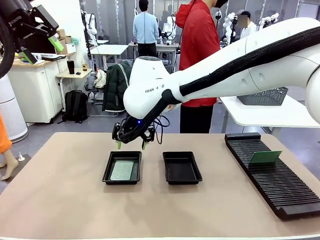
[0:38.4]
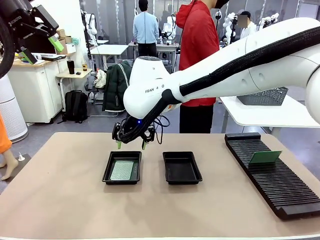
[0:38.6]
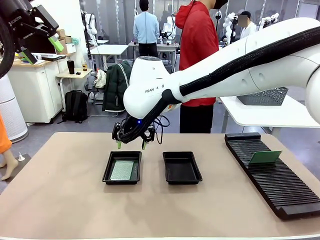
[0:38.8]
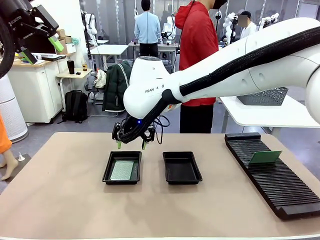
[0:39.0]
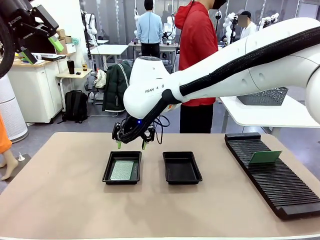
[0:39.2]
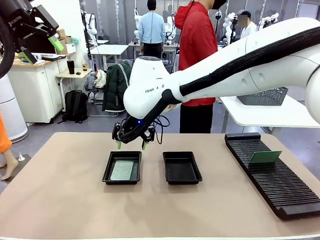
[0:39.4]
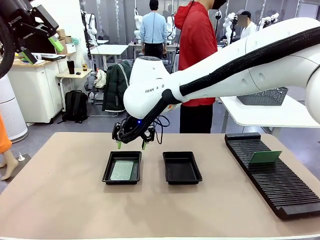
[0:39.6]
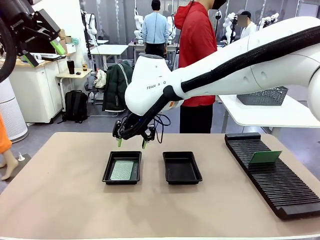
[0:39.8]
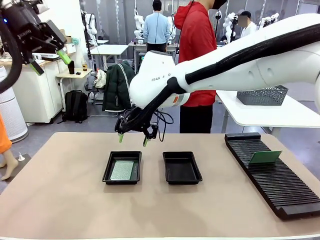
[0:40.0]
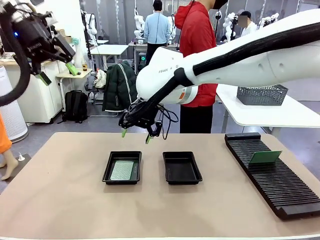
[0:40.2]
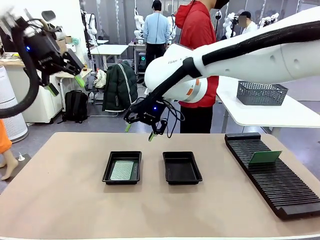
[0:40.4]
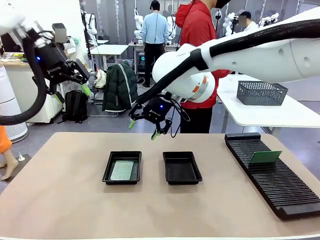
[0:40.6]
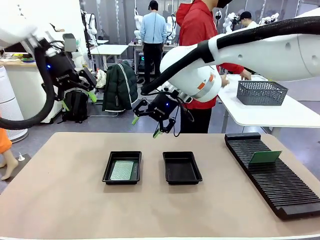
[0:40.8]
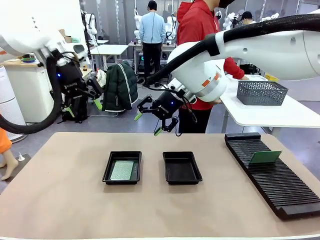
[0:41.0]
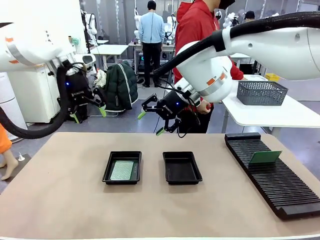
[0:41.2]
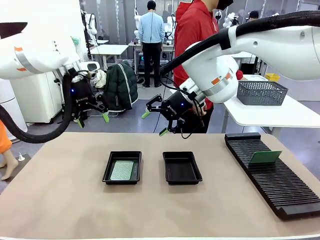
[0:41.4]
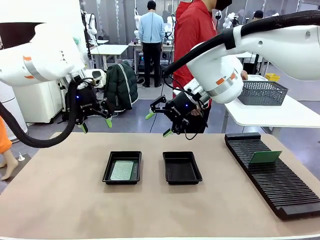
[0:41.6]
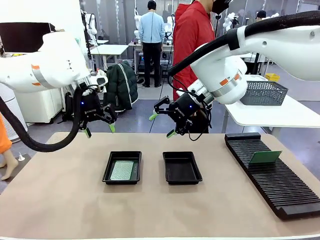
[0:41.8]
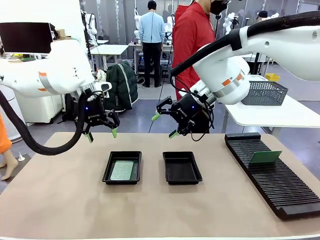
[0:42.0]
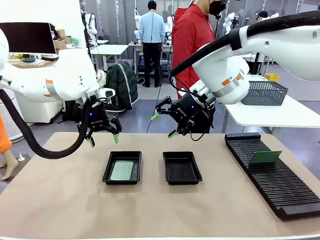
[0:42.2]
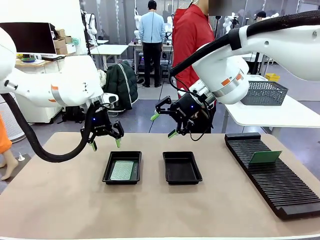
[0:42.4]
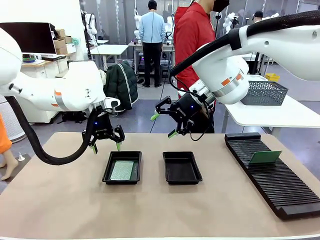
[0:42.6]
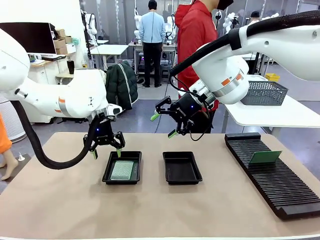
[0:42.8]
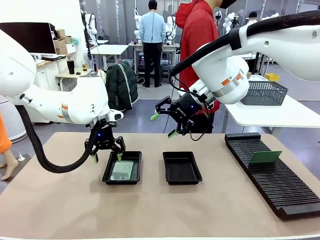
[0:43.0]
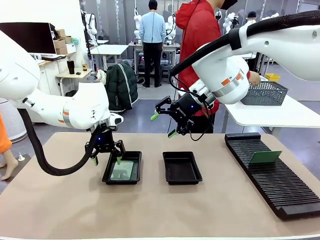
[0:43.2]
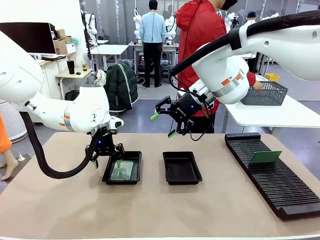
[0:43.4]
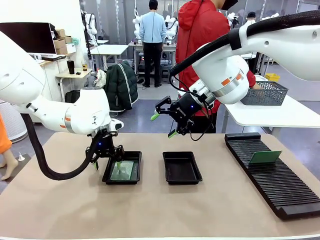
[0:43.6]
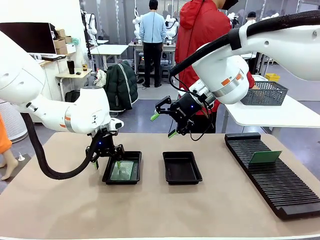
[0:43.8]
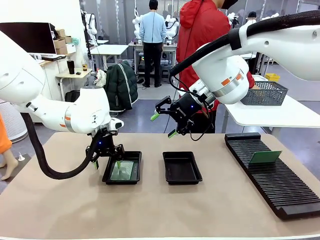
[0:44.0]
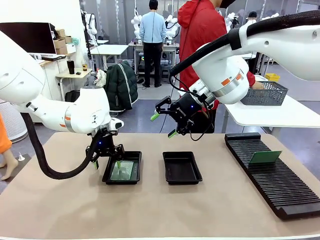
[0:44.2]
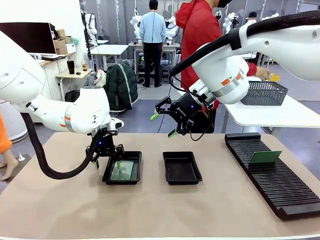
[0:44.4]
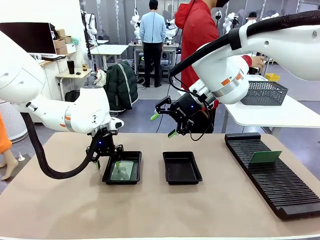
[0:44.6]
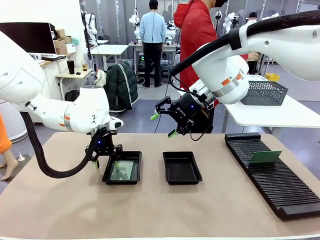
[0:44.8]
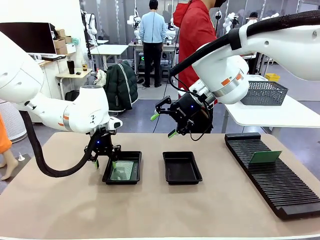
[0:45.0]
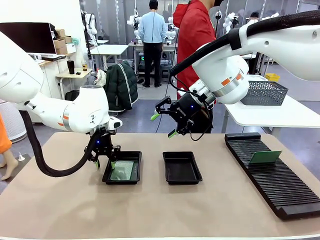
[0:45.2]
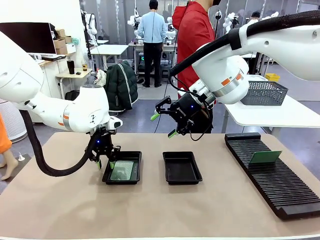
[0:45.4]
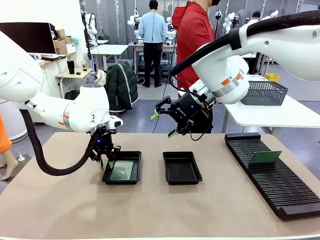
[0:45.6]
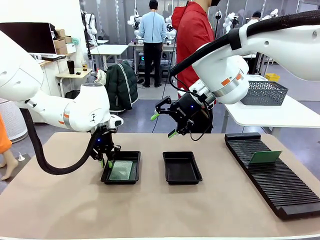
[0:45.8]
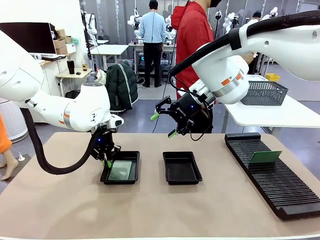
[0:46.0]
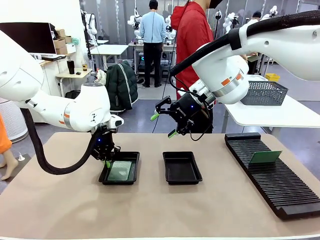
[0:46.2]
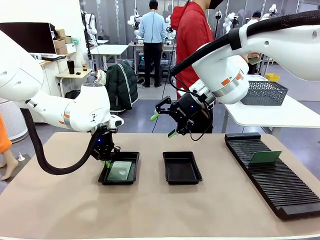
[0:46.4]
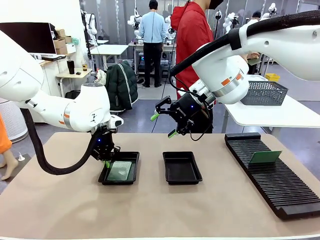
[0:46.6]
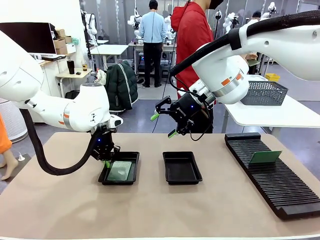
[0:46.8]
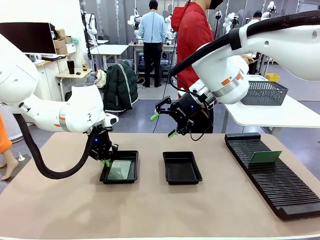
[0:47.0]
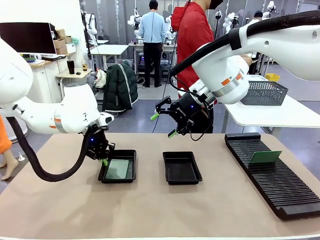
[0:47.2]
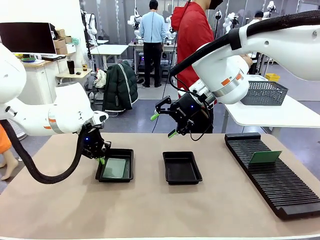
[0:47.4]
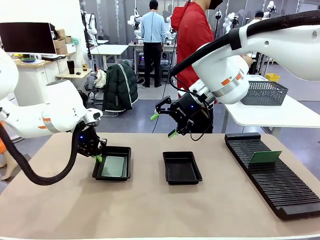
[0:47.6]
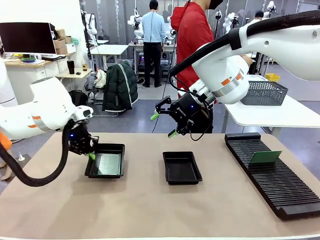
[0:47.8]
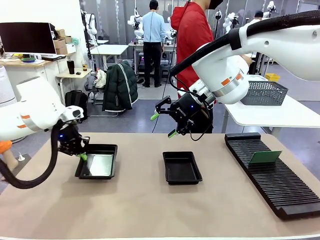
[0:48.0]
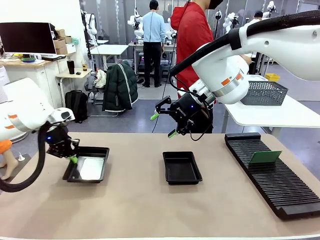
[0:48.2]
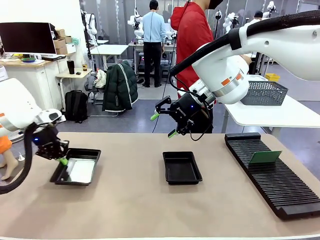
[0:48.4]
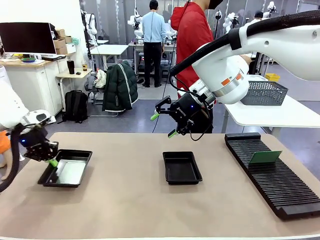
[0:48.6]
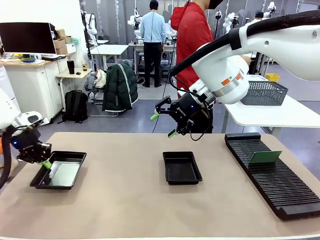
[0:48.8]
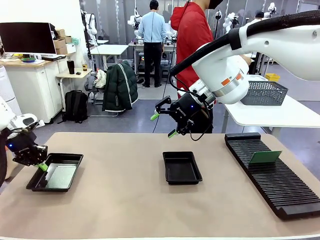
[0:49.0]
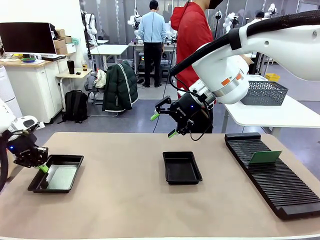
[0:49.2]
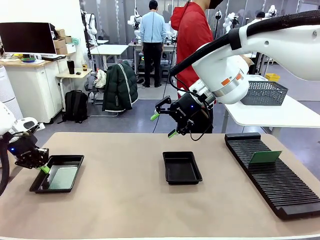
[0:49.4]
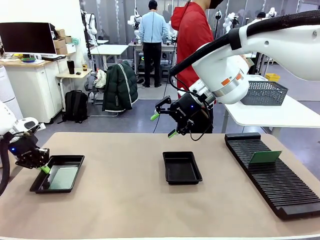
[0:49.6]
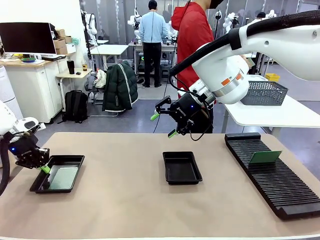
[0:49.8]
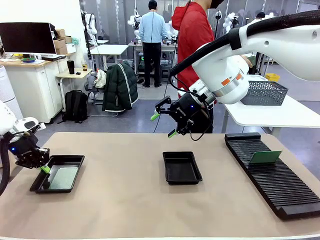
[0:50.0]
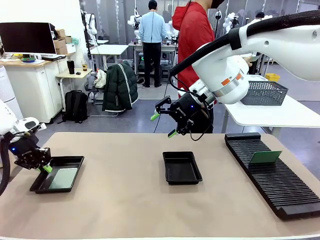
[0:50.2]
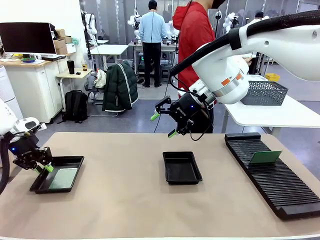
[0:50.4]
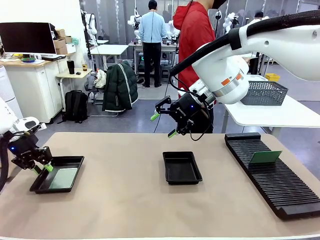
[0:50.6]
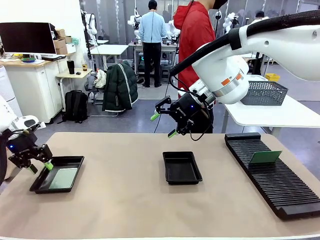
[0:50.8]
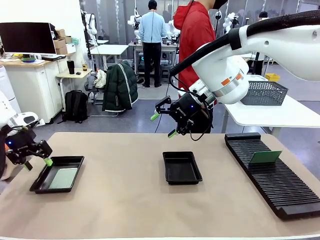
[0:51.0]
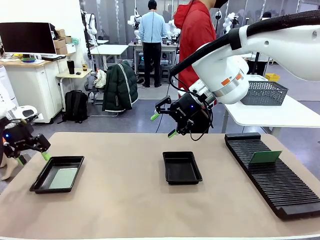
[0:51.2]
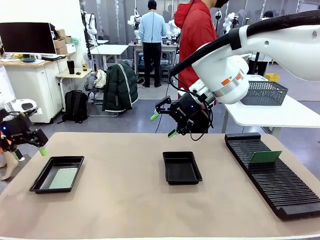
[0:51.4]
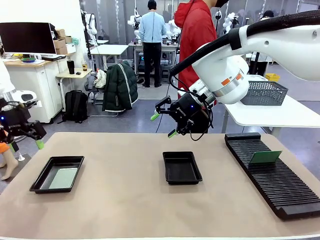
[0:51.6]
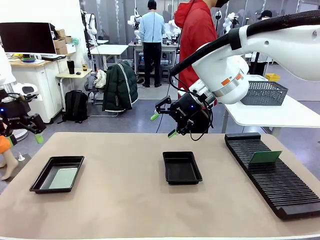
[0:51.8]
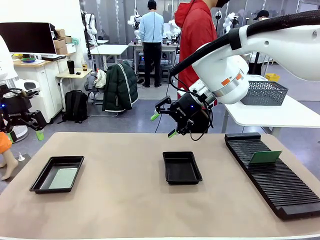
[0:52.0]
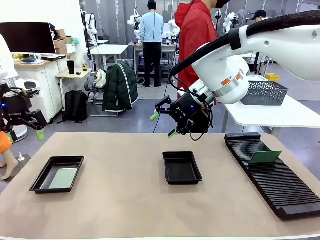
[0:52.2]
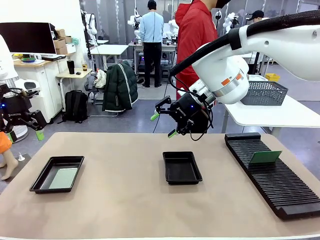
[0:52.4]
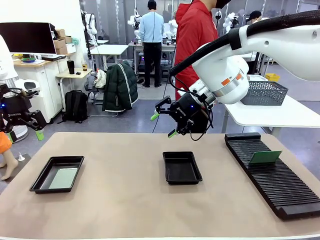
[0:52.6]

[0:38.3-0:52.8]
Task: Inspect and transfer BCBs to ESD trays.
Robot: Pick up the ESD tray and place it on the left side of the table.
